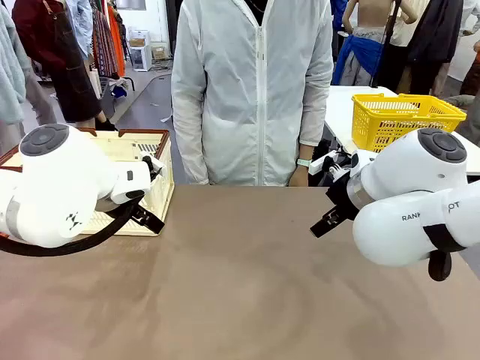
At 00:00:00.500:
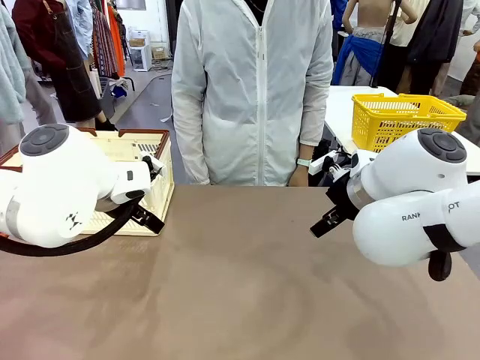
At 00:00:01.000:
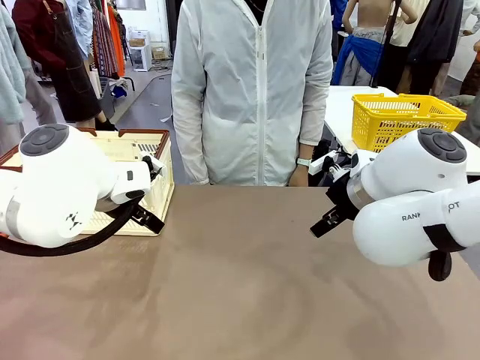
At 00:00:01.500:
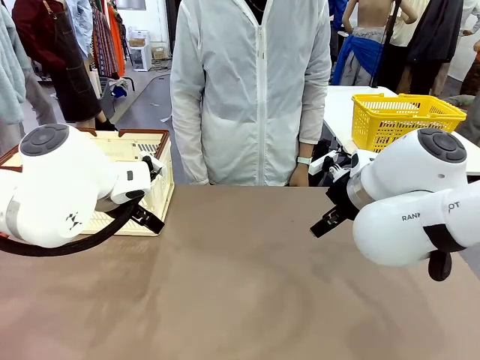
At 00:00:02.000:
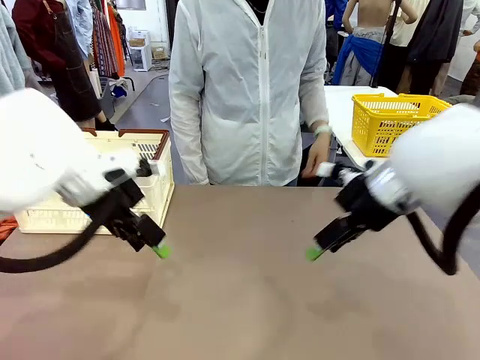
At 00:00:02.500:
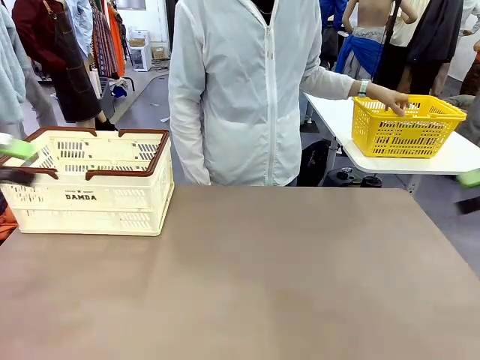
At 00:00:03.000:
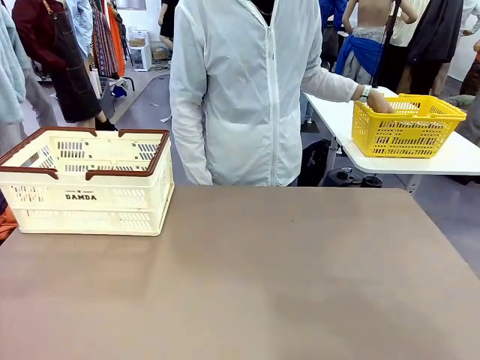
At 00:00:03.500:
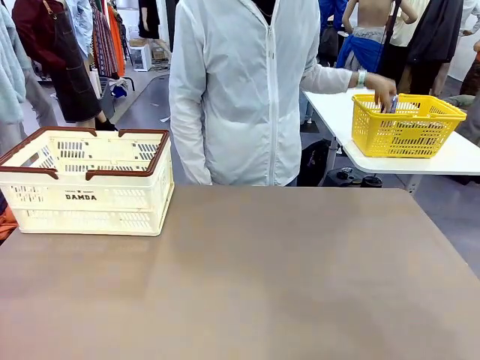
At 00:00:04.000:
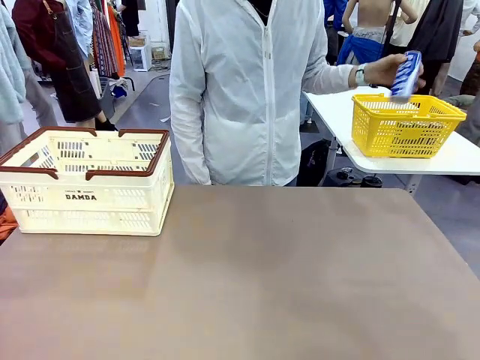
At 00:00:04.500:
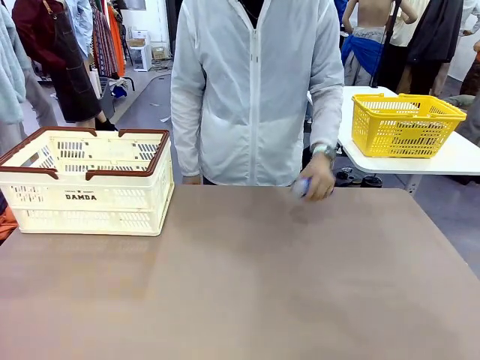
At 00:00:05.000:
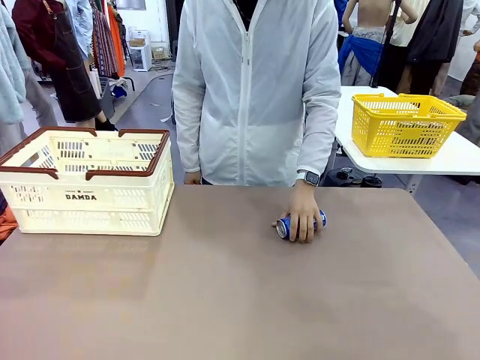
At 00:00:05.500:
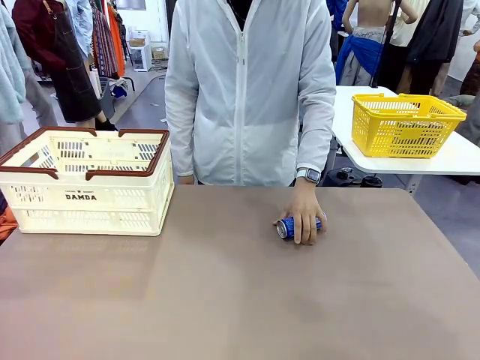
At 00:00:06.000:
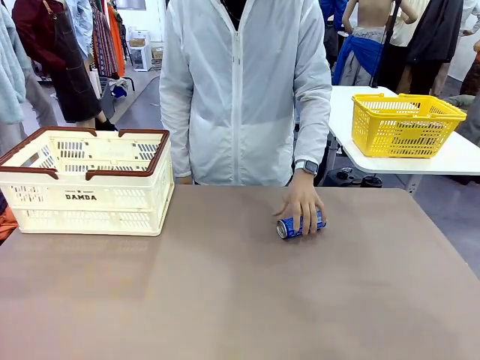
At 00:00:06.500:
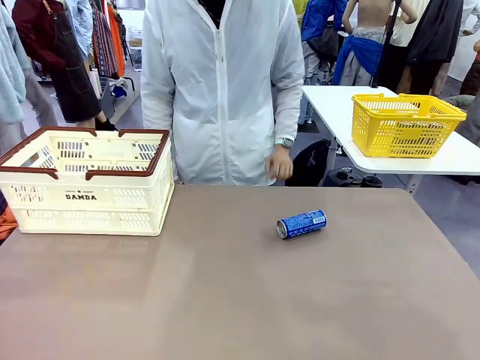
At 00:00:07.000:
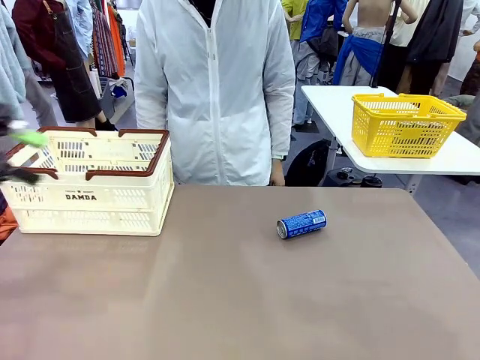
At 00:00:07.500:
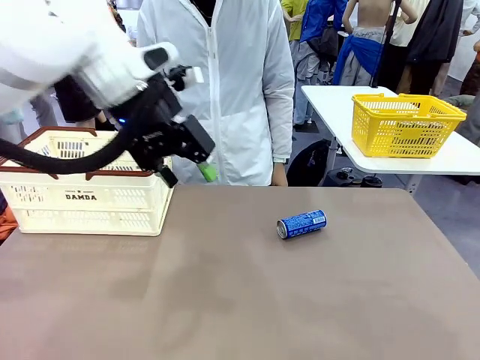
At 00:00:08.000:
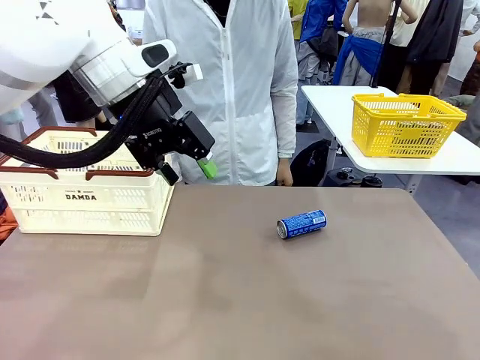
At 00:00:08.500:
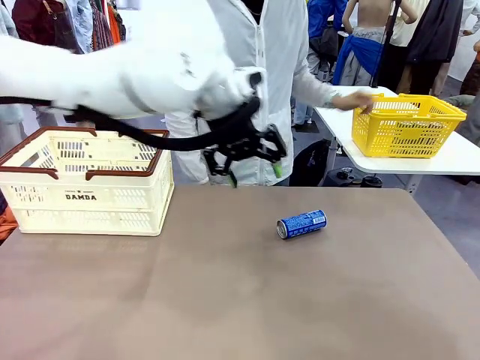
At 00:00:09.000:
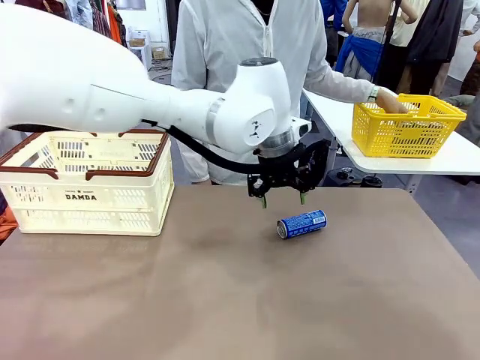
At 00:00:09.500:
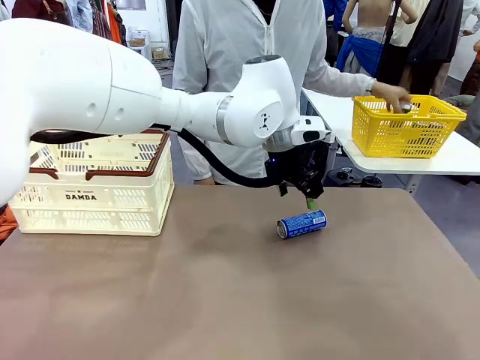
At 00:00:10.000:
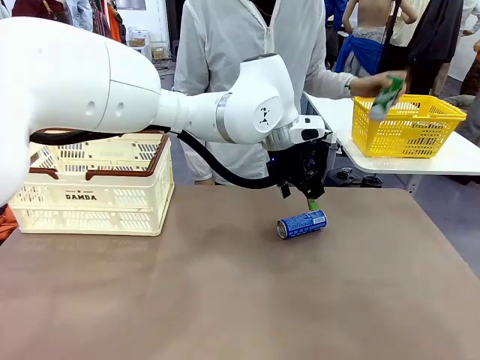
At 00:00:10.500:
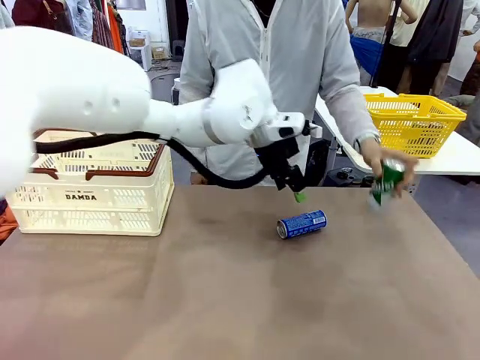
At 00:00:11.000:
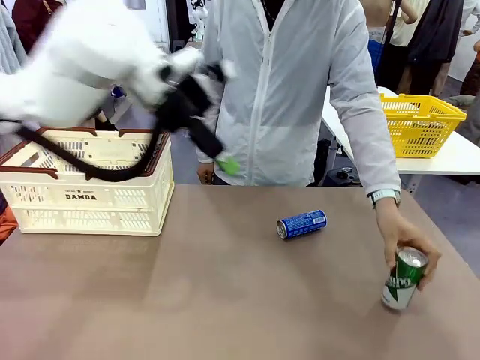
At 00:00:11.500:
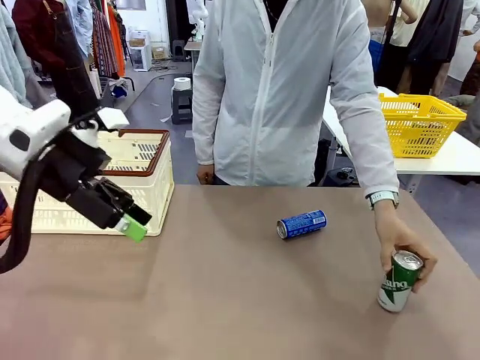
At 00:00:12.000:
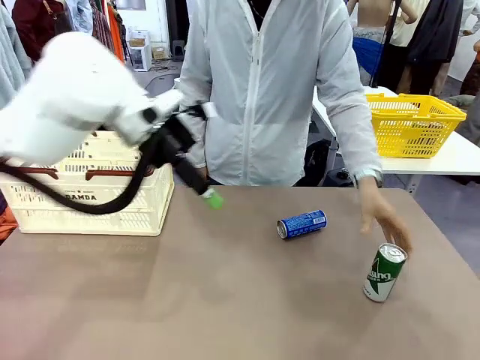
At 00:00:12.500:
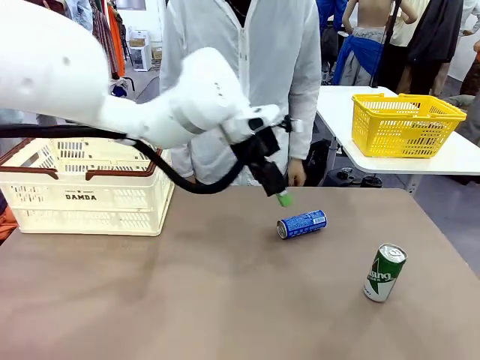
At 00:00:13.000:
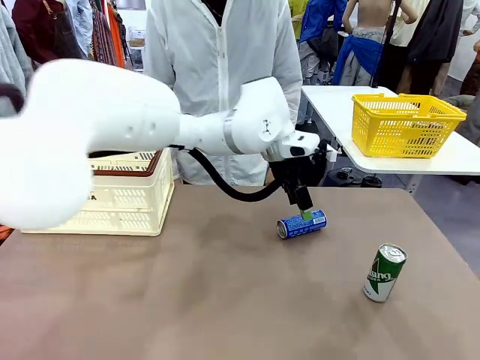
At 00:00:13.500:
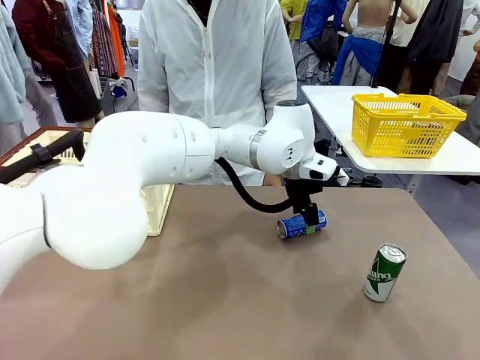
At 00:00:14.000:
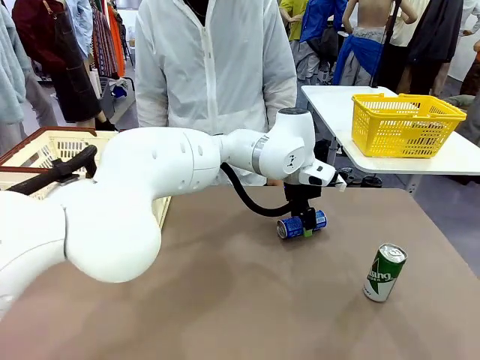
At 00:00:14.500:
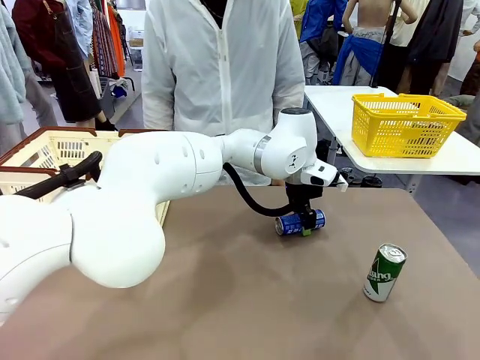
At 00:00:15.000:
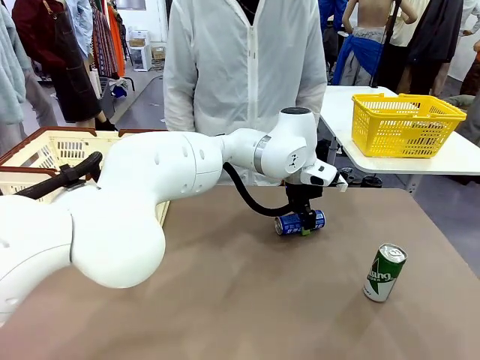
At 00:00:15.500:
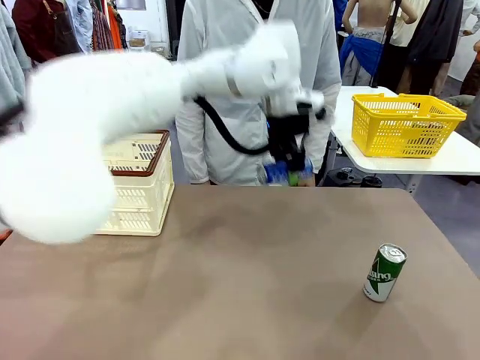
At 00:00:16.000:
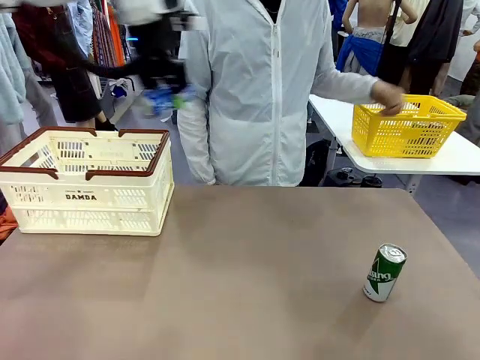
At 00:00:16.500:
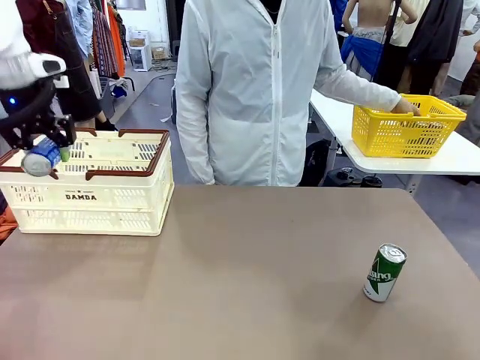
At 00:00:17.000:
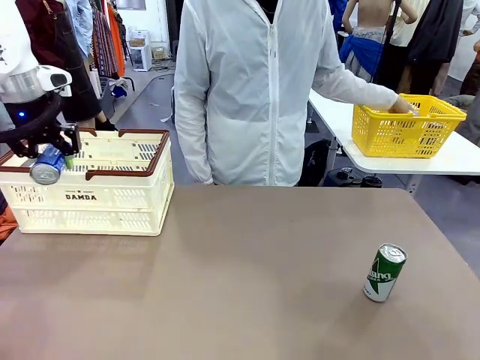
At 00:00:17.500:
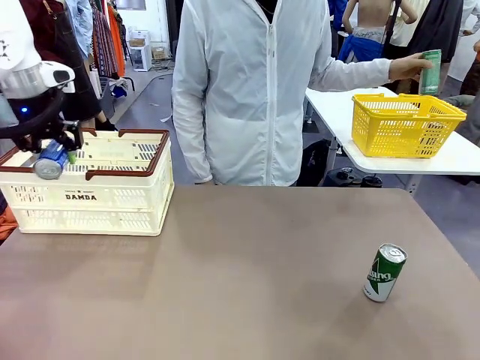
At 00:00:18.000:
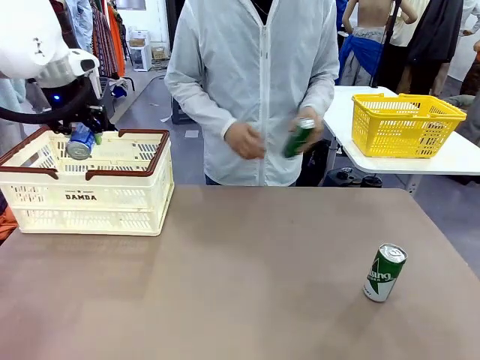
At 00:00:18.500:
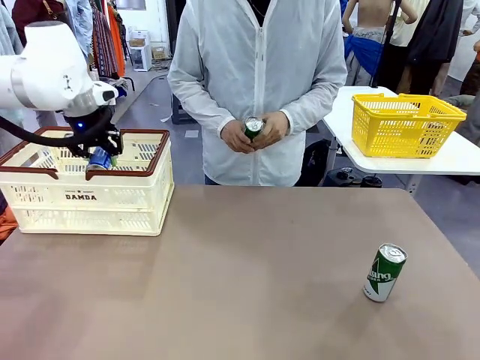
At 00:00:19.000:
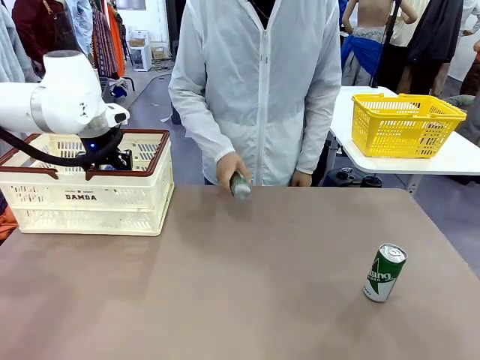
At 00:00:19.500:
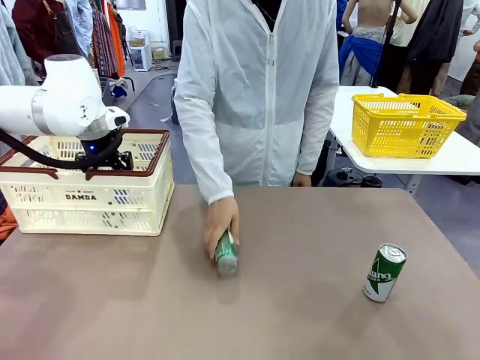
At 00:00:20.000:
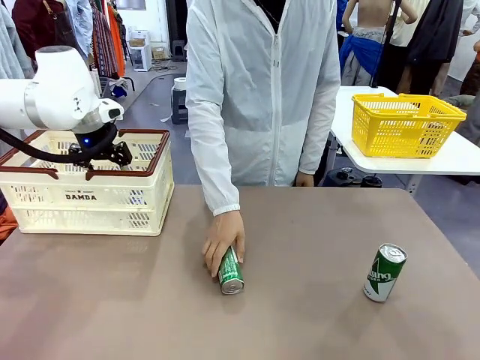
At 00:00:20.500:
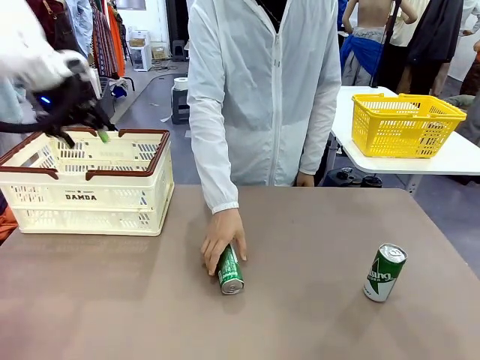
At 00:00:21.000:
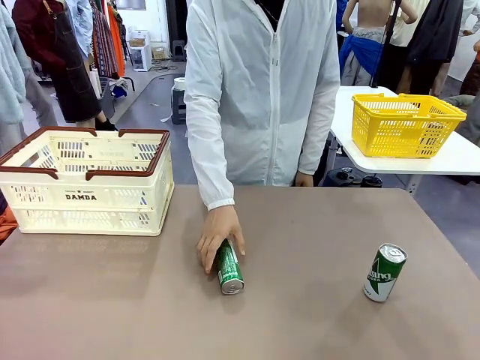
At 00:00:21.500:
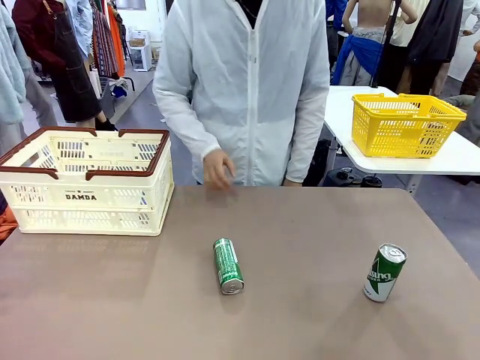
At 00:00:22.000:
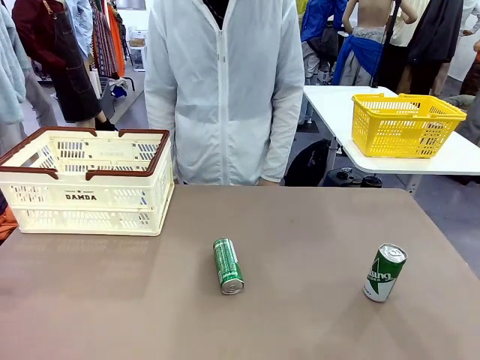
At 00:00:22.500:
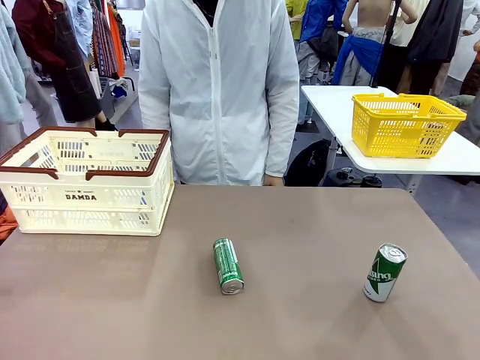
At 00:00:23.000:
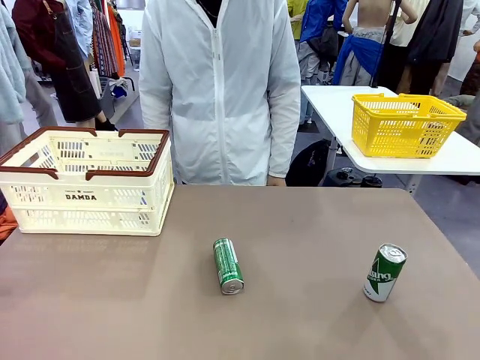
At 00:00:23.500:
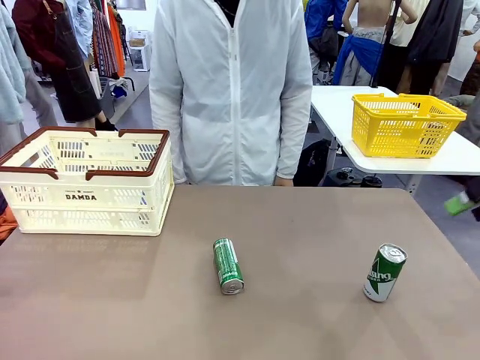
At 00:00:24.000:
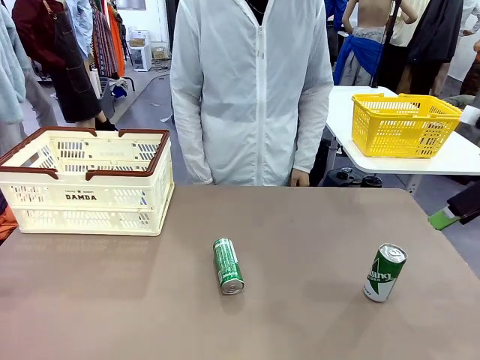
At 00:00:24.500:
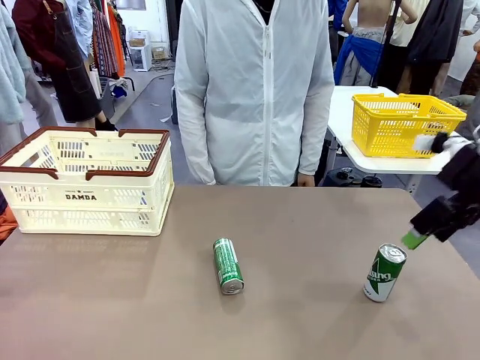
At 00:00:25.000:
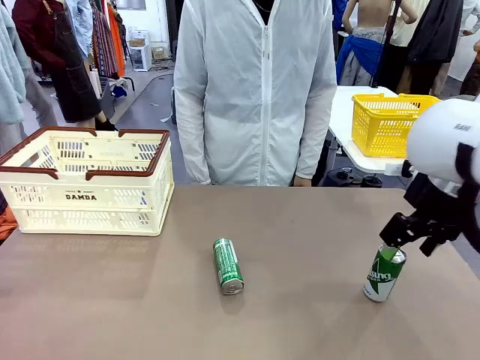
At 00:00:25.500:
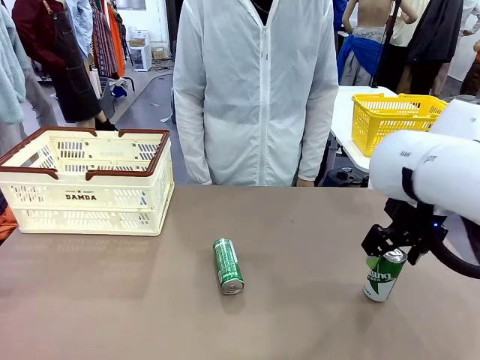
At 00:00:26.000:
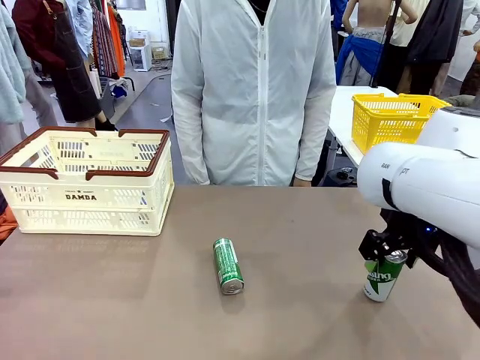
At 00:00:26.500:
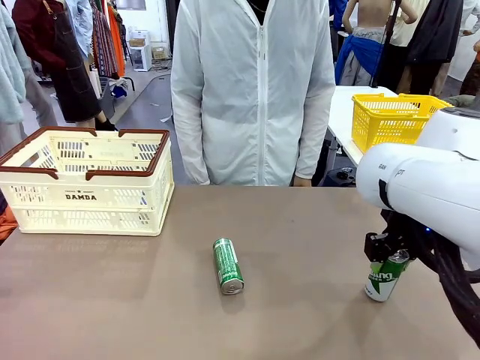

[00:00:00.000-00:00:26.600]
Task: Place the drinks into the Shopping basket.
Robot: Pick up one drink and place it into the Shopping basket.
